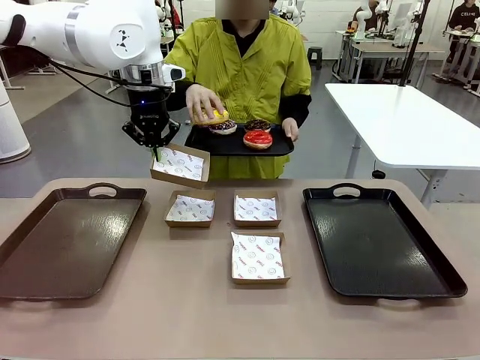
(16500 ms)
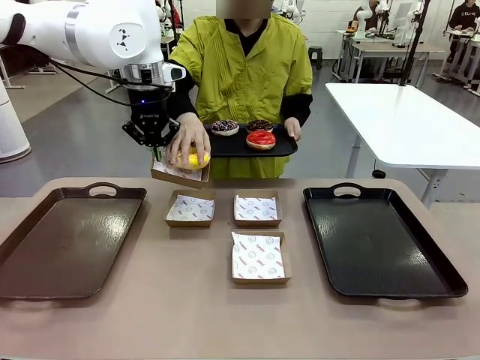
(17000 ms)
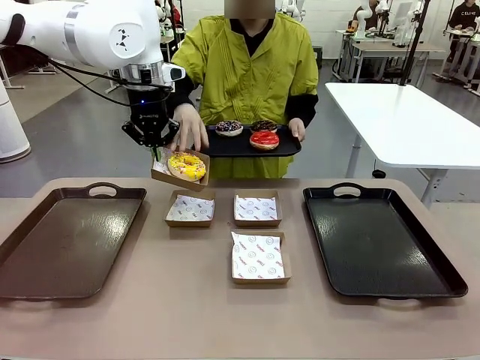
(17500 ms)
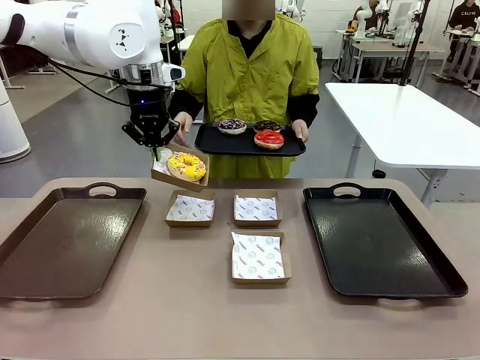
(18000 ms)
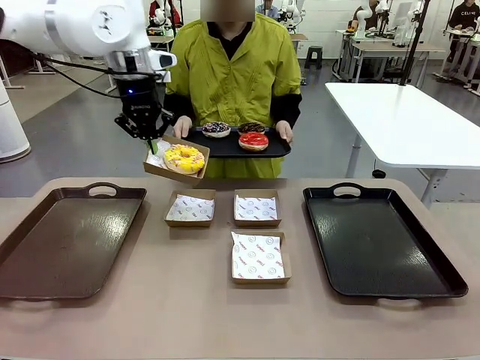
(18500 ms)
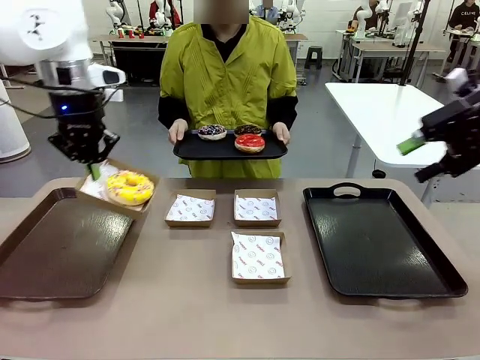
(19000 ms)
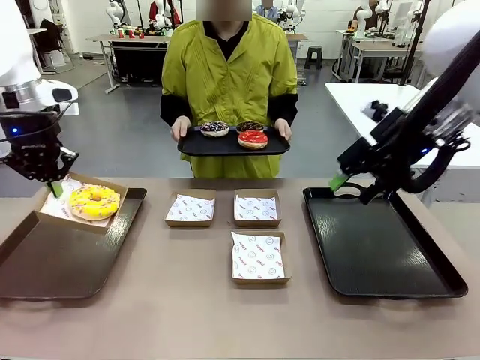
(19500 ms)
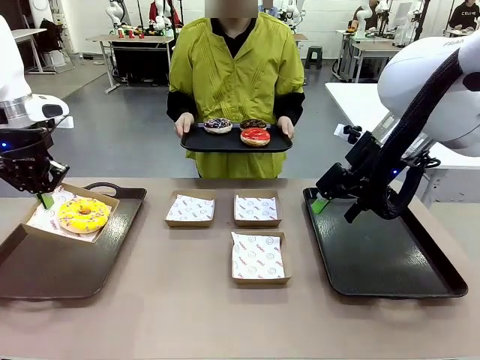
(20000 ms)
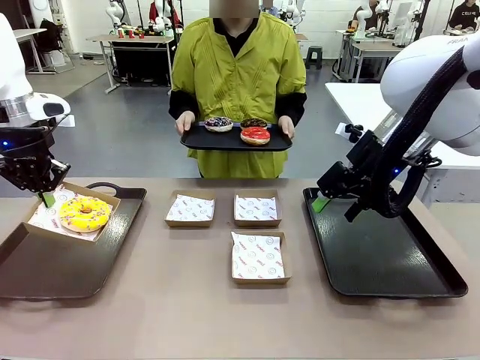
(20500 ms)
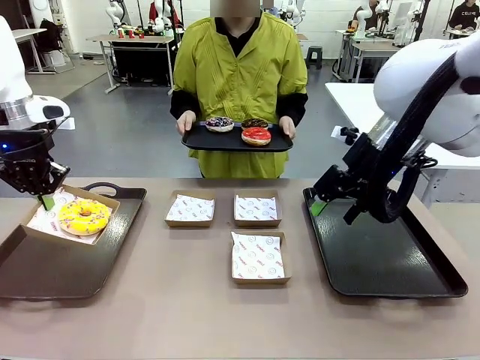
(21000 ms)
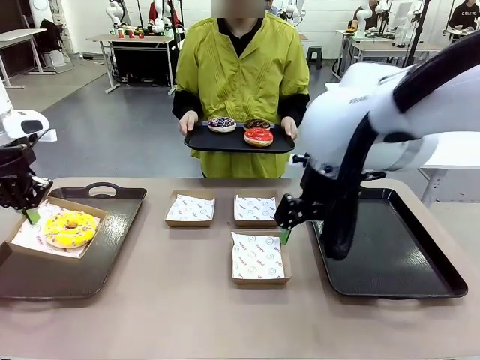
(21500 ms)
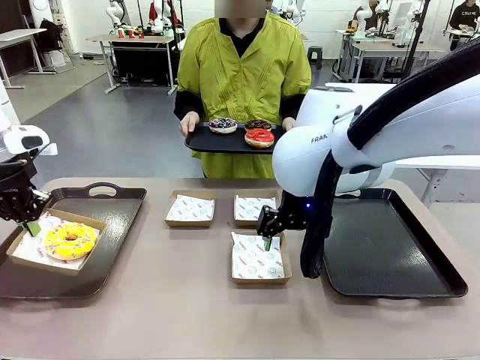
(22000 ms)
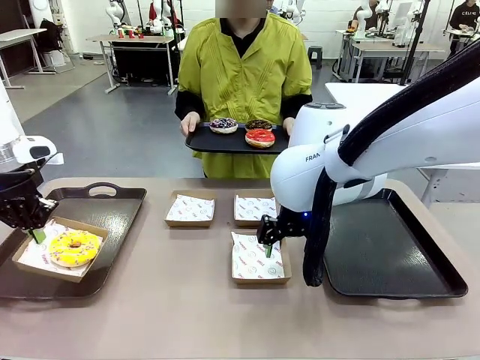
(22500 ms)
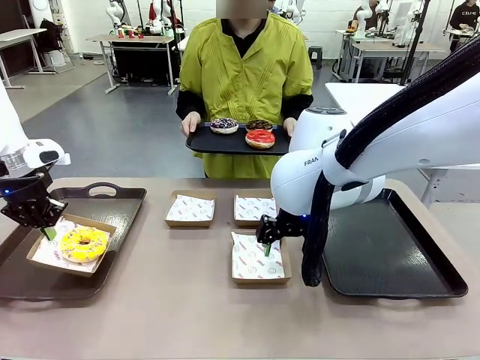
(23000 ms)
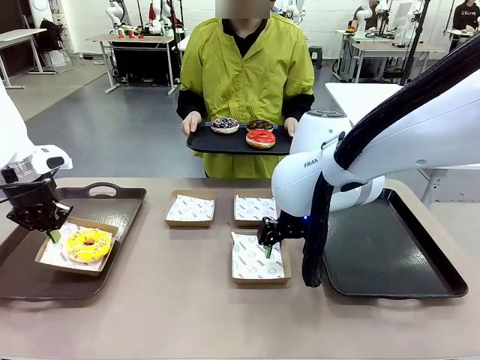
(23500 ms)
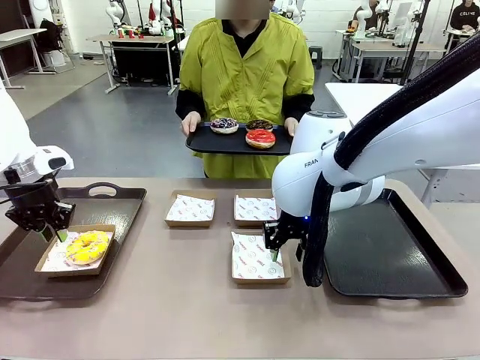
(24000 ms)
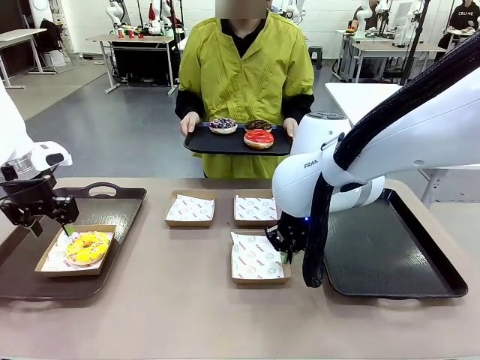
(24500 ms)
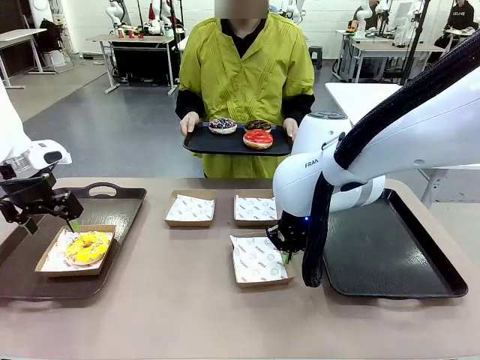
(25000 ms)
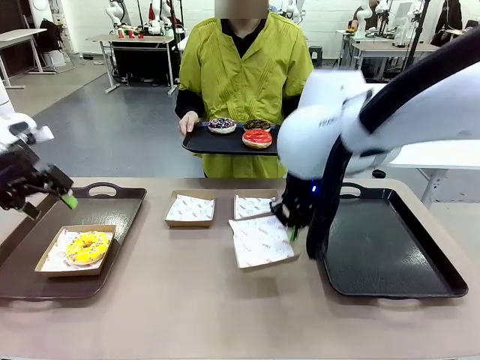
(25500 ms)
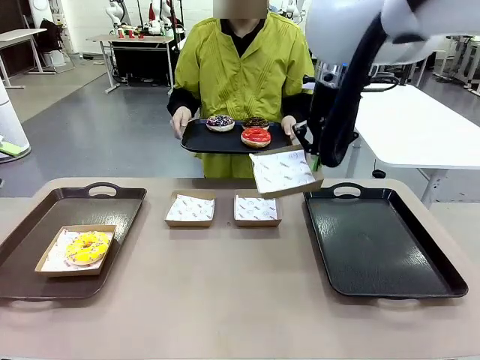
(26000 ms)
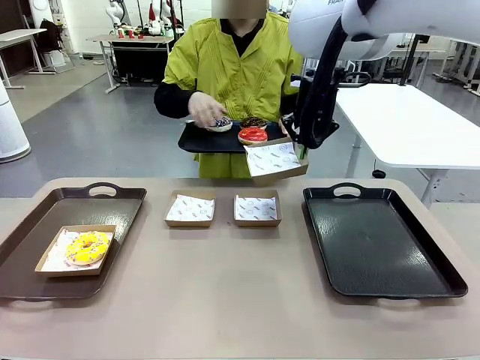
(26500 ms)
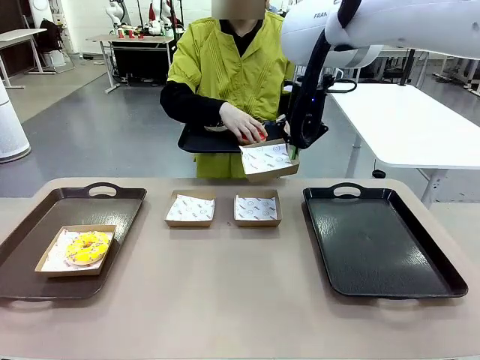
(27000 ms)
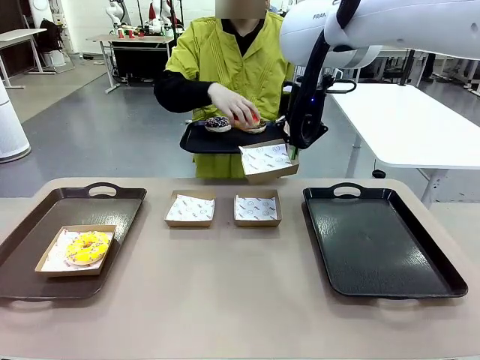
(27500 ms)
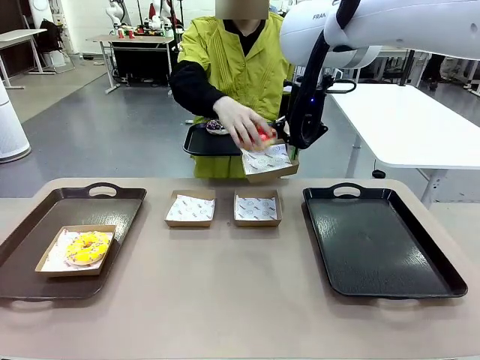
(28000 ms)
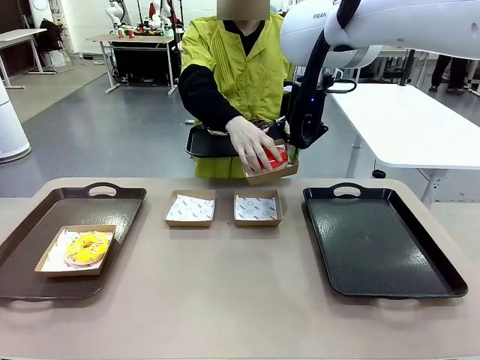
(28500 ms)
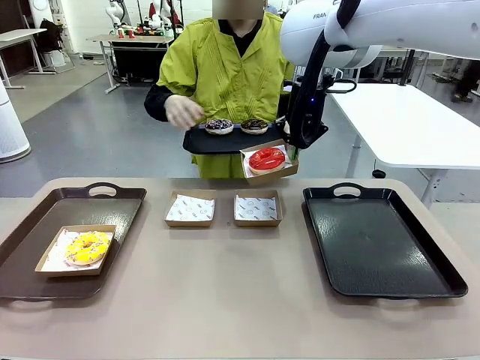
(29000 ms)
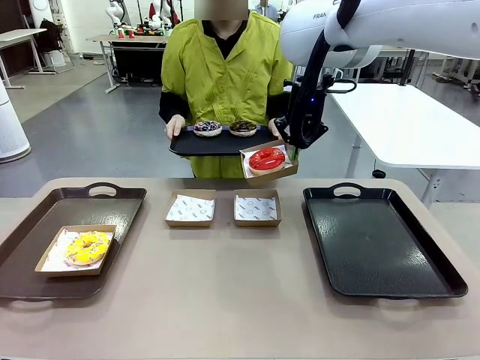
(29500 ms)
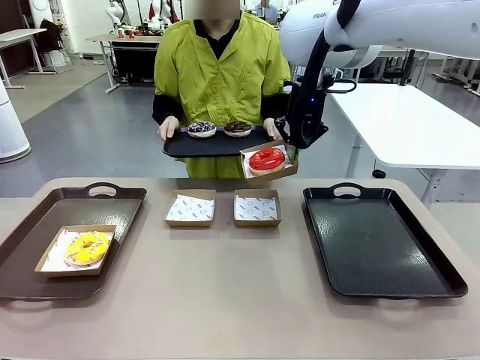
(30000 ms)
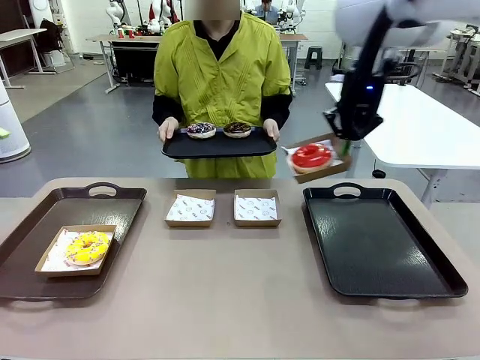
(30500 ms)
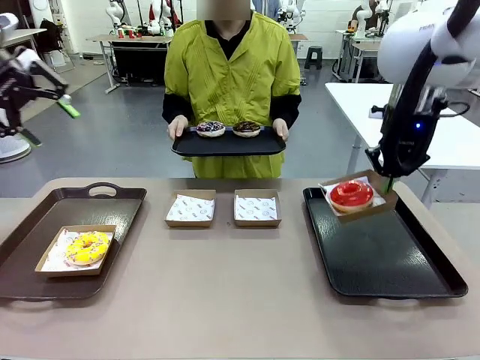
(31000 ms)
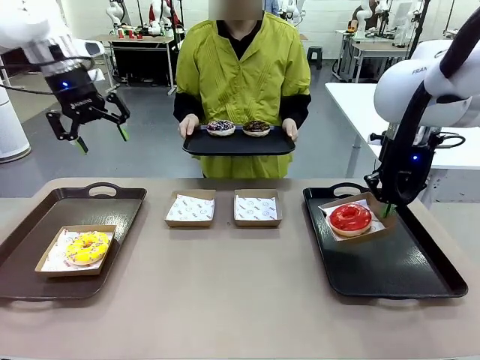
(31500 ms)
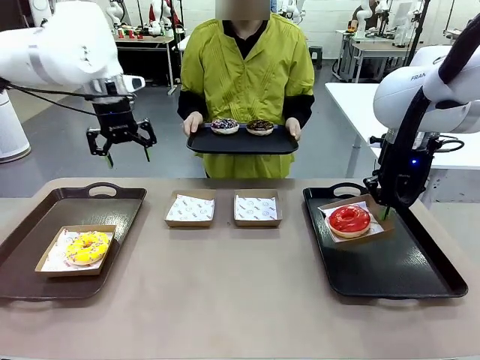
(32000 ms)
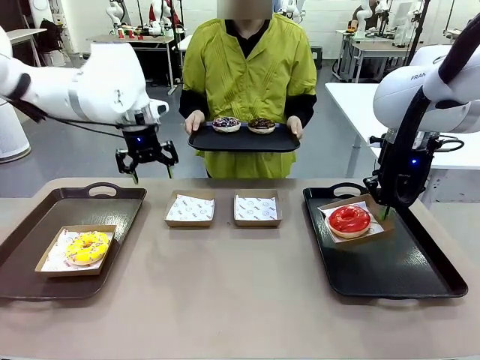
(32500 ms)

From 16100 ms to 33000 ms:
Task: Individually package the donuts and arrange them on the tray.
Robot: Place the picked Paper togo box on the Handle tray while simultaneously picking up another Paper togo box from the table with the other hand.

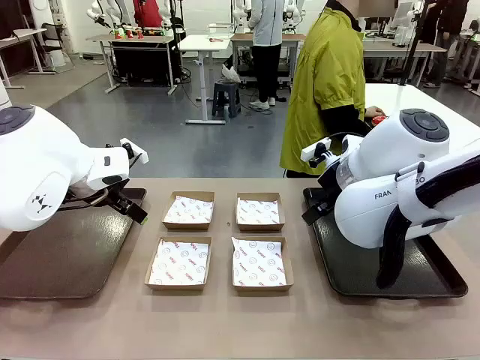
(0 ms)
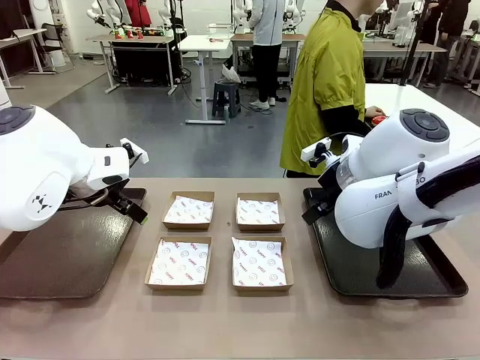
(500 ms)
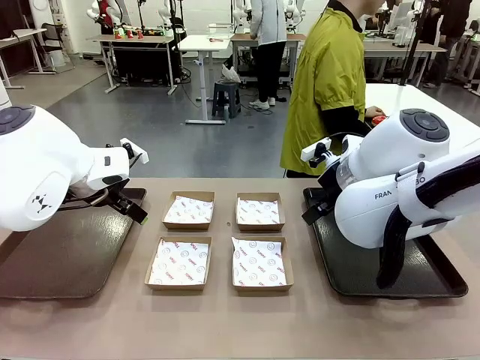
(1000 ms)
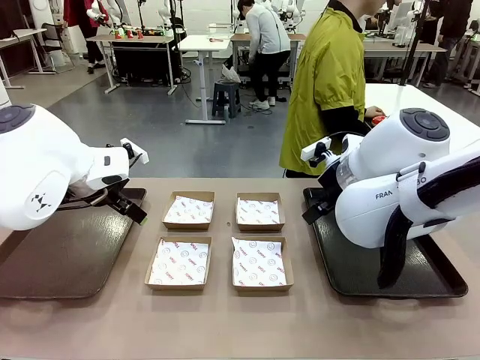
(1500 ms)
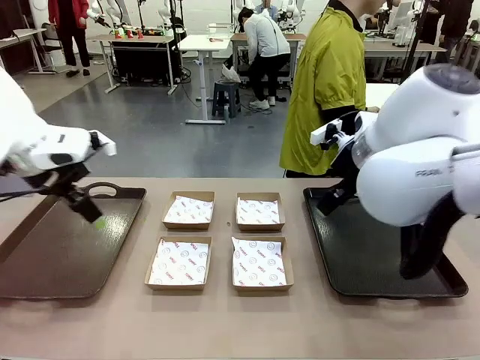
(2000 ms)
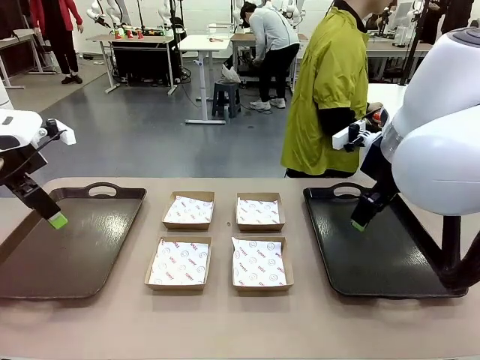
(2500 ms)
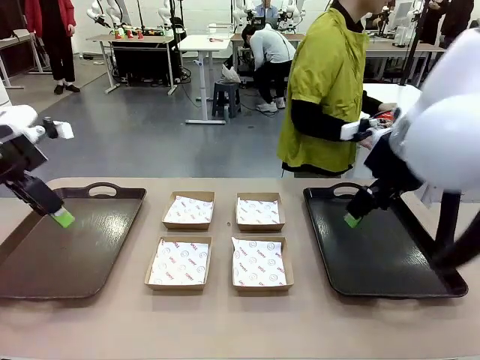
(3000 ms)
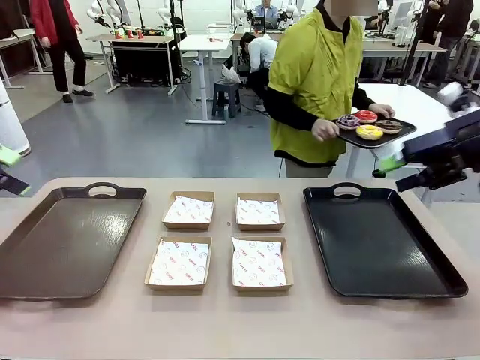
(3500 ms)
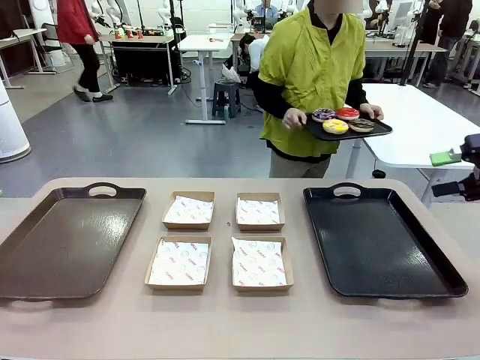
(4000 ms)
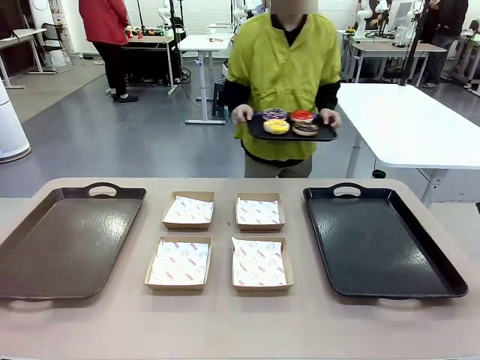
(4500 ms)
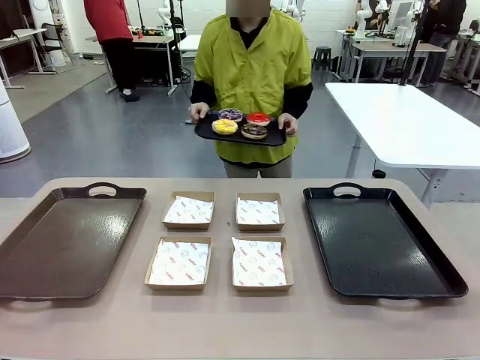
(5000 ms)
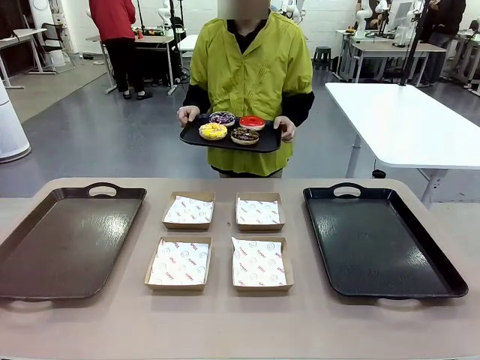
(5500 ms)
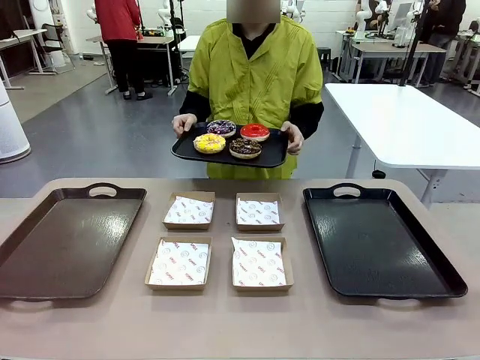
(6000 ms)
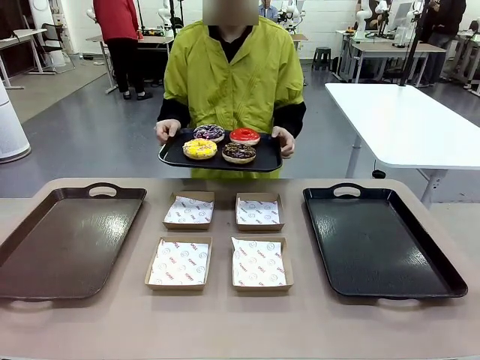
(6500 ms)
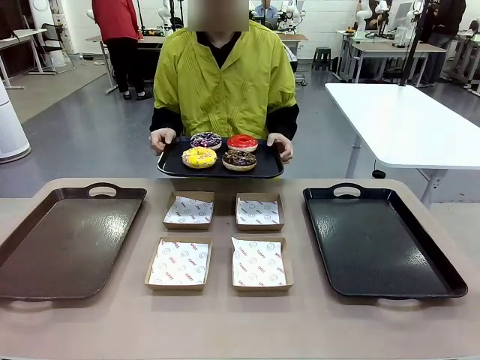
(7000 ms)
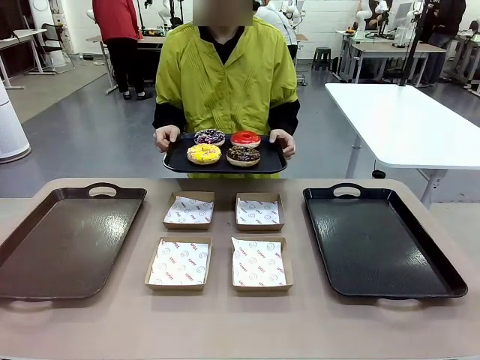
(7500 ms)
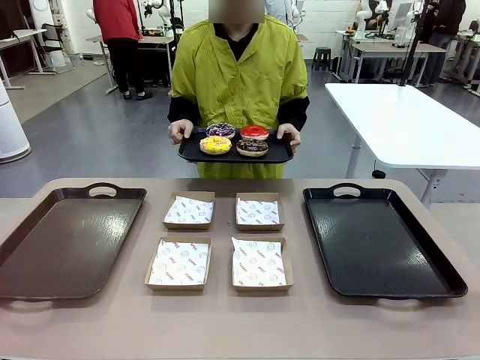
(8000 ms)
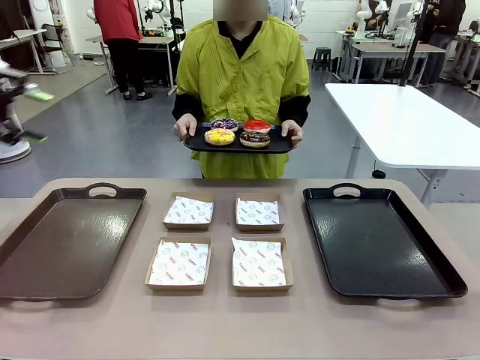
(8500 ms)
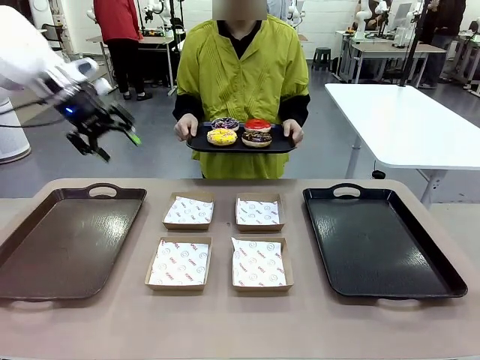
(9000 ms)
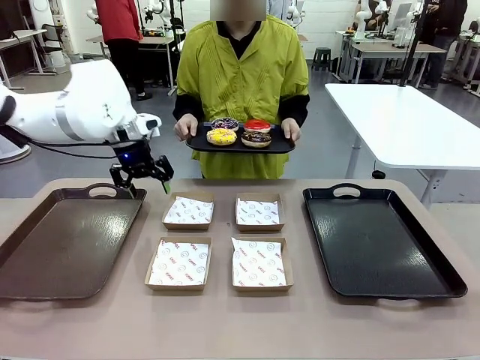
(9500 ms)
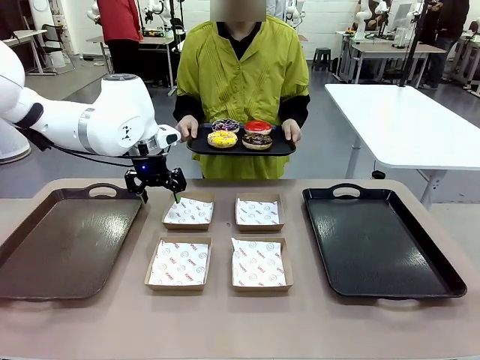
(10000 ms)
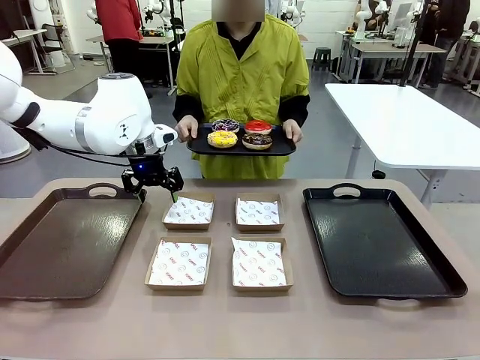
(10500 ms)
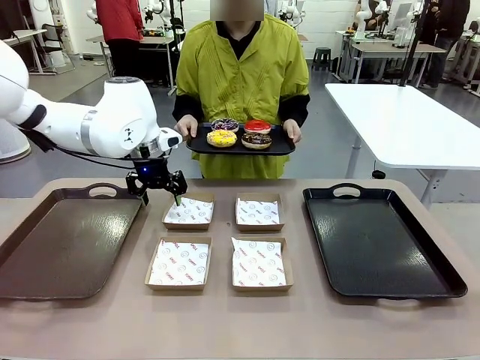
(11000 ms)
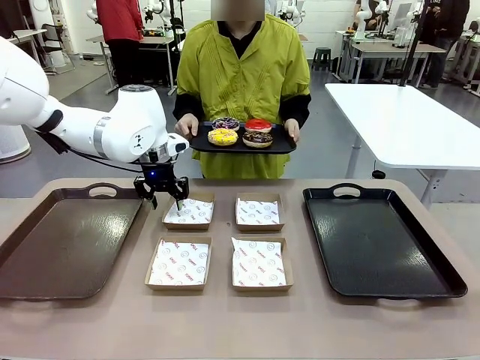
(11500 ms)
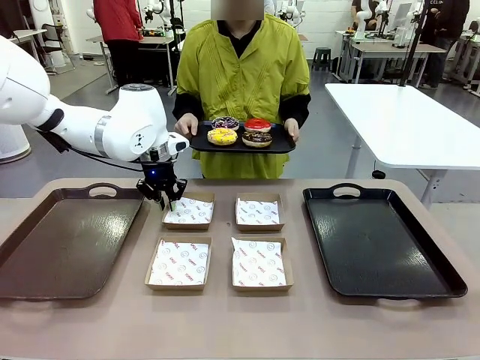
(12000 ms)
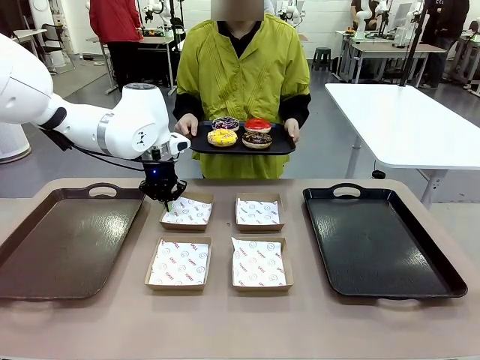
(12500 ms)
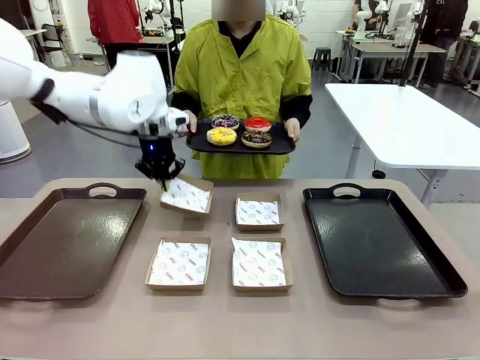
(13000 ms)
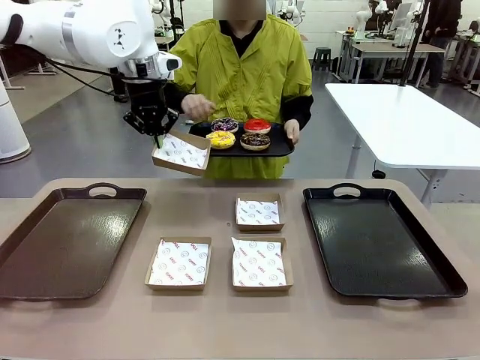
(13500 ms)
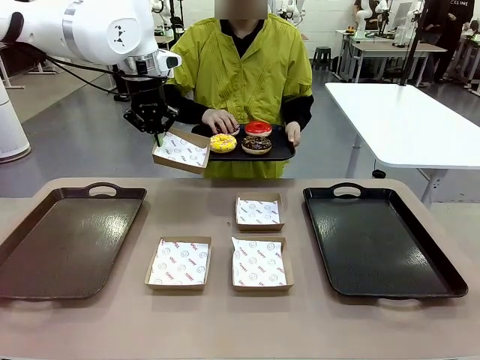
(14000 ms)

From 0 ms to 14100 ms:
Task: Individually package the donuts and arrange them on the tray.
Robot: Pick up one Paper togo box.
Person: Stand in front of the robot table holding the tray containing the donuts.
